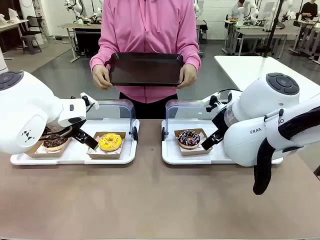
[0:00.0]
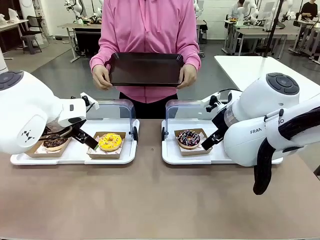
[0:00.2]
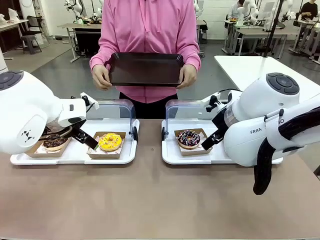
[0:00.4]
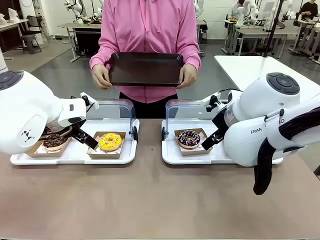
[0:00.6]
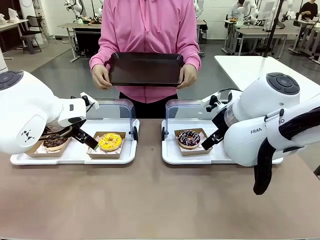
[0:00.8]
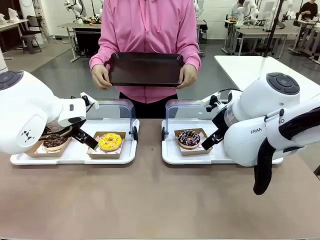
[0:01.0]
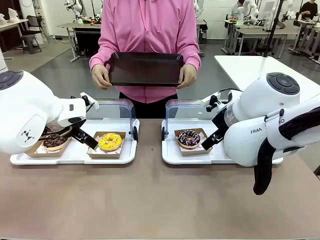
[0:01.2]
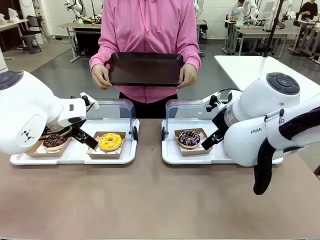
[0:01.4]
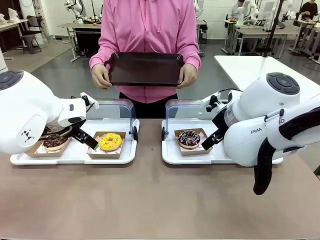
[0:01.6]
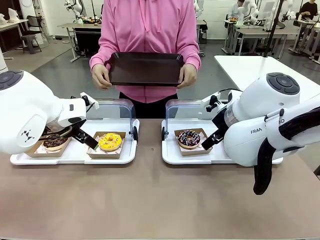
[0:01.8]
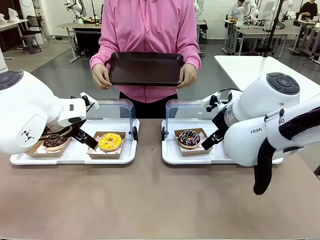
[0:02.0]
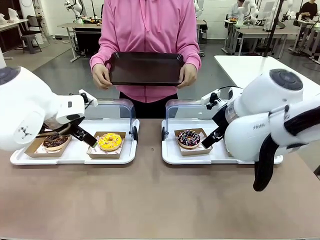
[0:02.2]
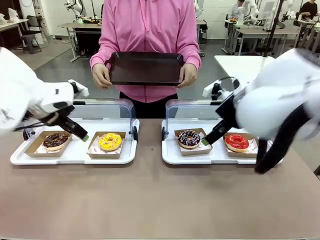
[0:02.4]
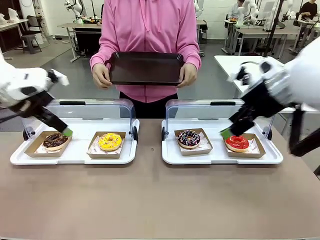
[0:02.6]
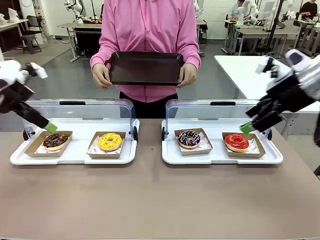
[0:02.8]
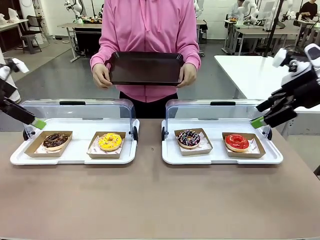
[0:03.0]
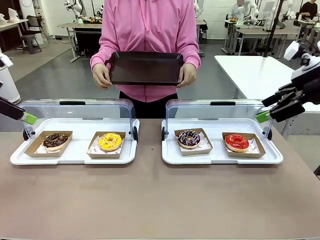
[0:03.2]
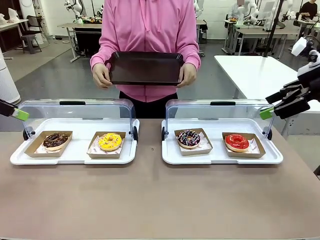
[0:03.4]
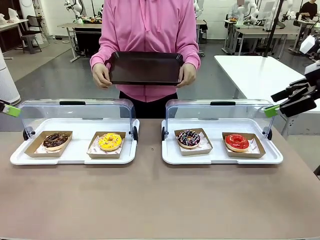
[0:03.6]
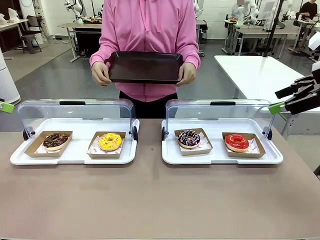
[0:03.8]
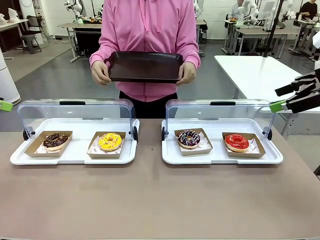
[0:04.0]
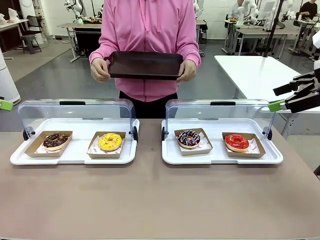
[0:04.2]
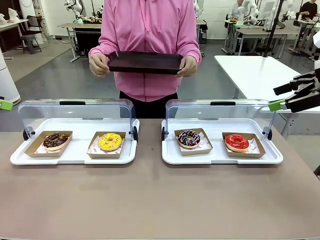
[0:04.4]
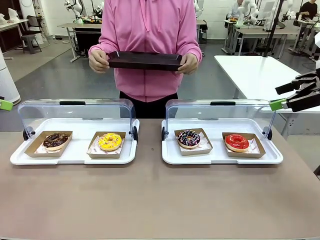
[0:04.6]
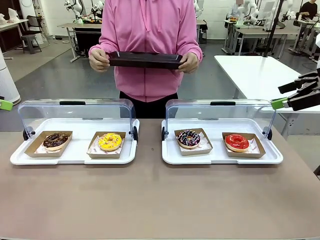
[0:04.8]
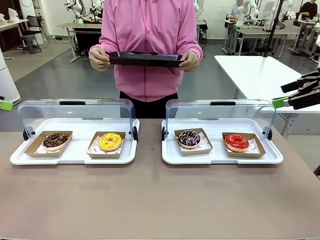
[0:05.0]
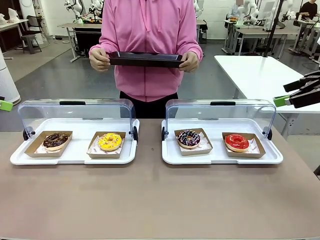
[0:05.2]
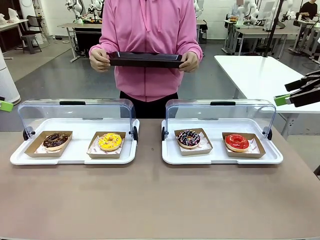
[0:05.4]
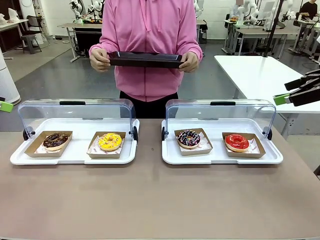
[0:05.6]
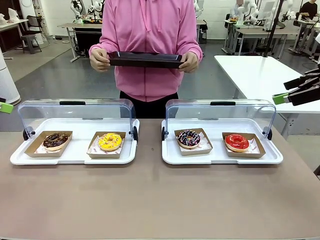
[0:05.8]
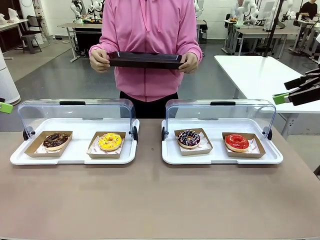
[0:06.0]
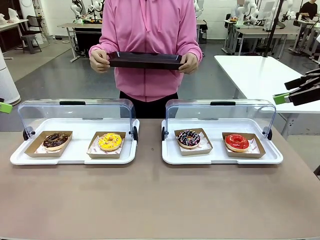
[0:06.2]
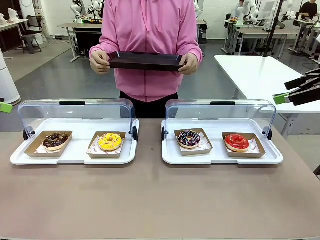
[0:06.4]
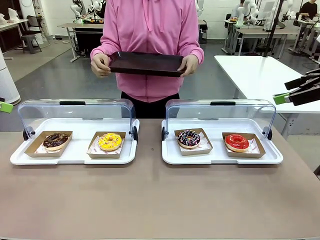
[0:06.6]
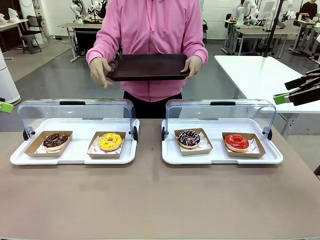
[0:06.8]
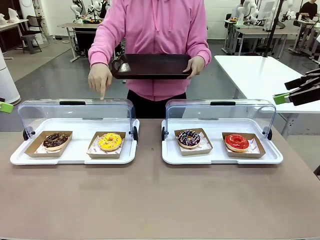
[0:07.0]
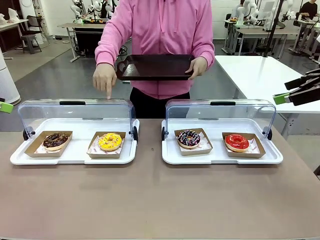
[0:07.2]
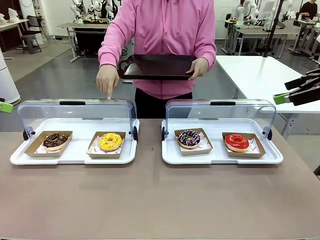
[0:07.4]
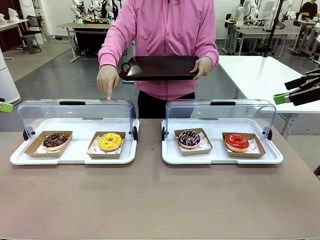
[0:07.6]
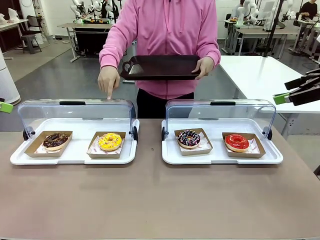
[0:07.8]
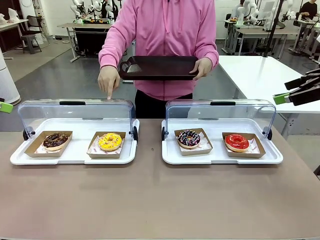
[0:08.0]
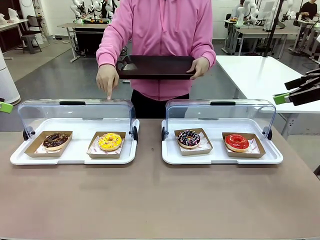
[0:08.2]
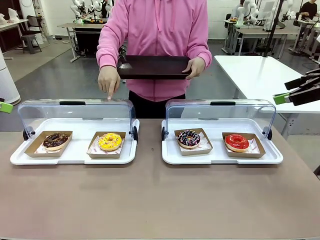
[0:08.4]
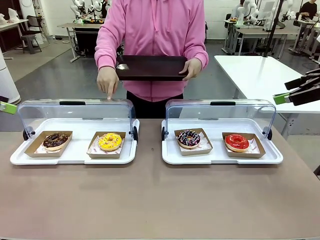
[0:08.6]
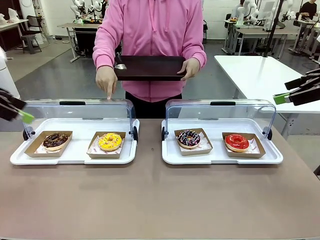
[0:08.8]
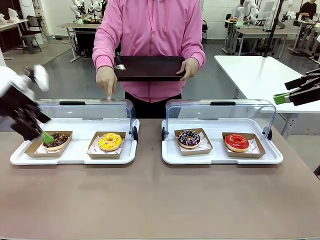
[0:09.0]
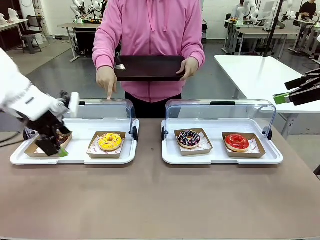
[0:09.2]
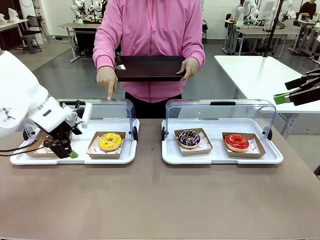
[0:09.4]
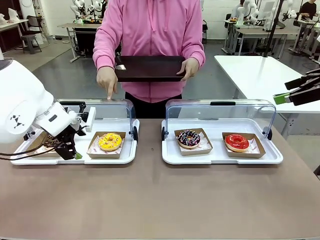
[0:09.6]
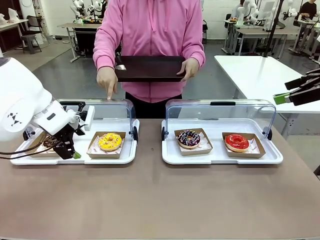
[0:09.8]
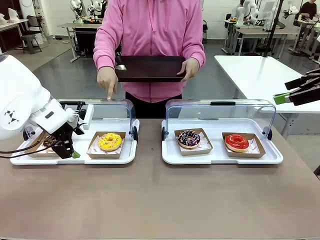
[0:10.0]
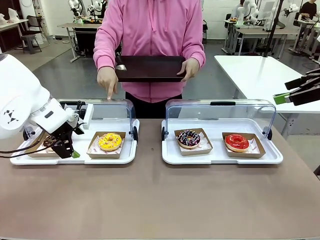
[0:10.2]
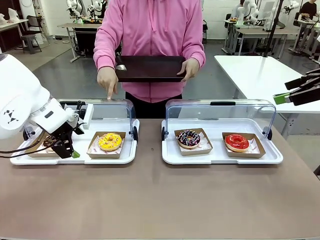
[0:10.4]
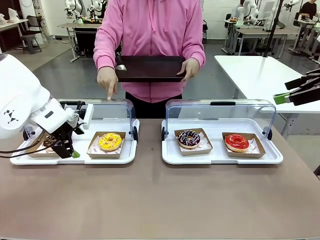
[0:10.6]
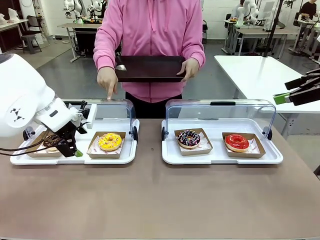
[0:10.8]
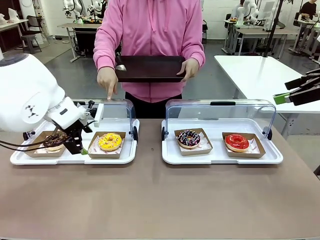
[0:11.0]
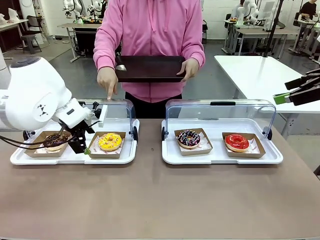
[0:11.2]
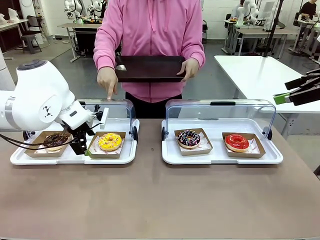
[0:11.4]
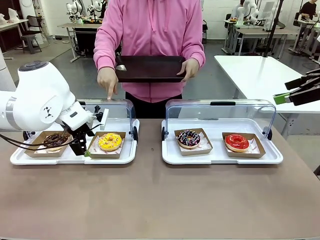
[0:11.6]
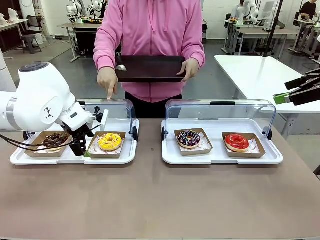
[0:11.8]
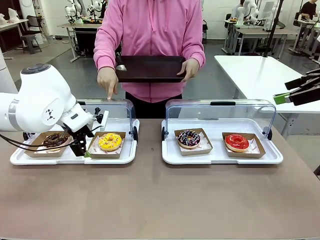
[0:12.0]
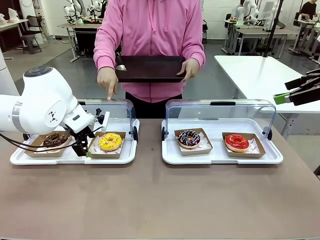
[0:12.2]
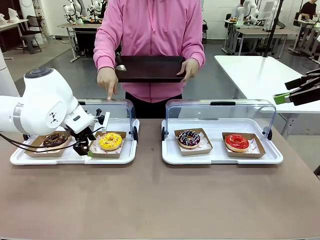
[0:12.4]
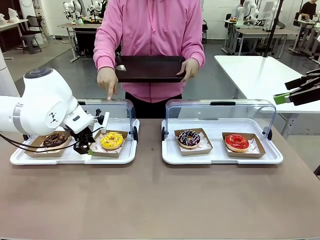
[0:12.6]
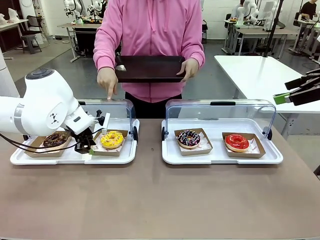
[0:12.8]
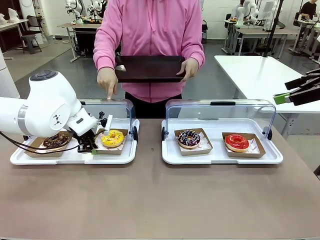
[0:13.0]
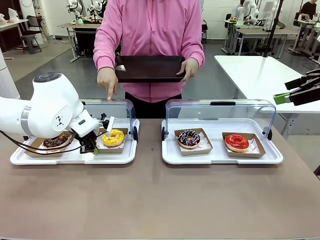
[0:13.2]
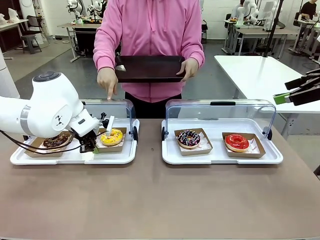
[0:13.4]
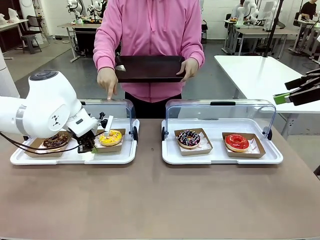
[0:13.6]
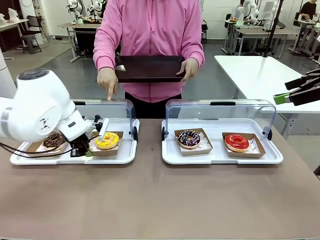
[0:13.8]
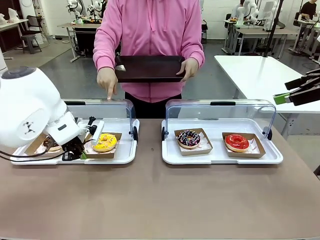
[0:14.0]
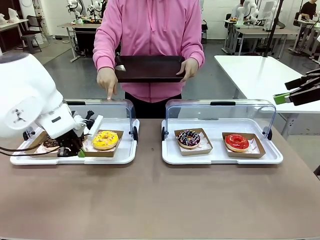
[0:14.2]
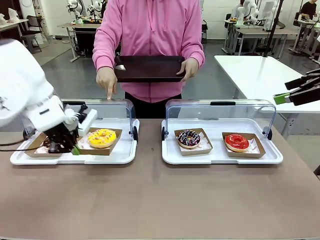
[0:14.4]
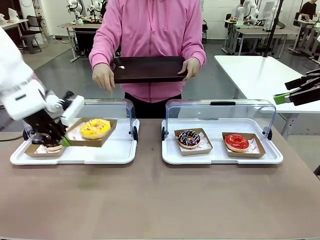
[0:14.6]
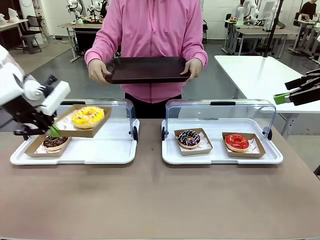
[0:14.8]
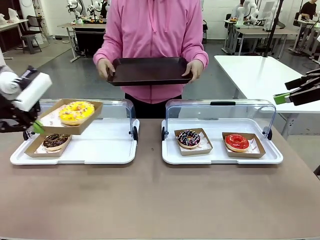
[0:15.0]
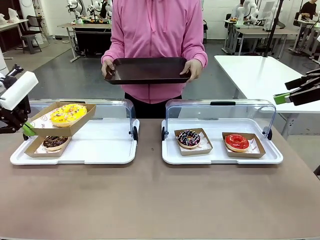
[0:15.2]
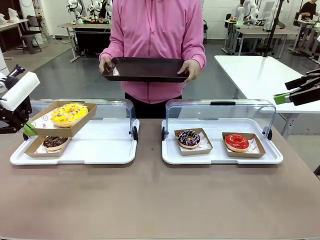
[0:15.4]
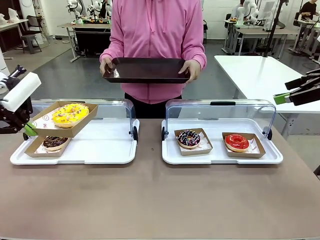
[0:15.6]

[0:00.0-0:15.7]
Task: Provide the desired donut to the person.
Robot: Pick up and lift the Paper togo box containing the Donut pointed at by the person.
Person: Point to one donut. Lift the tray onto the Roll-Top Bakery Case.

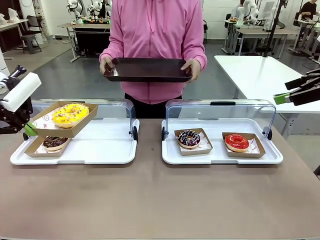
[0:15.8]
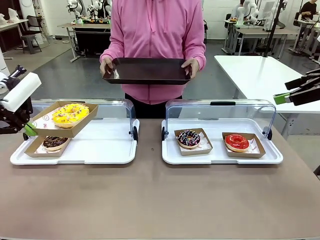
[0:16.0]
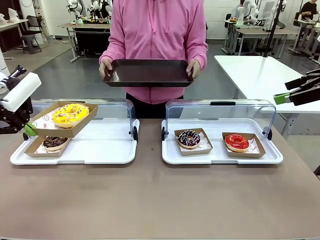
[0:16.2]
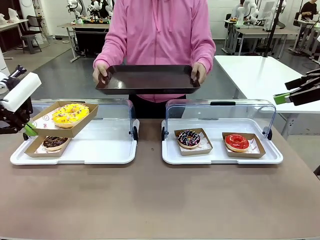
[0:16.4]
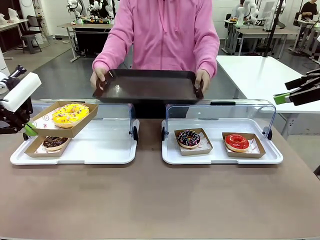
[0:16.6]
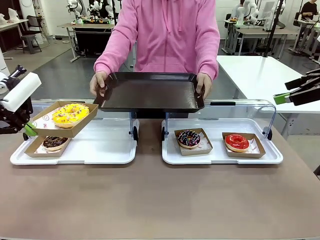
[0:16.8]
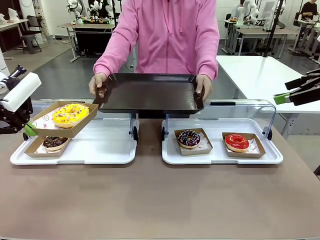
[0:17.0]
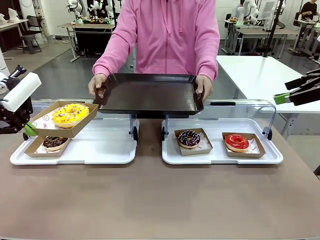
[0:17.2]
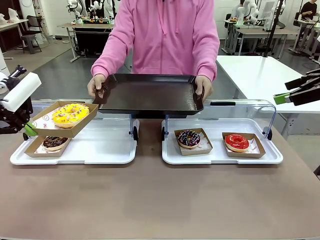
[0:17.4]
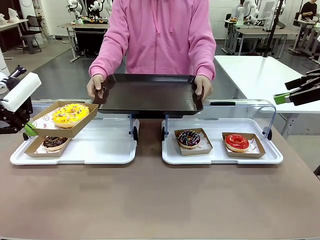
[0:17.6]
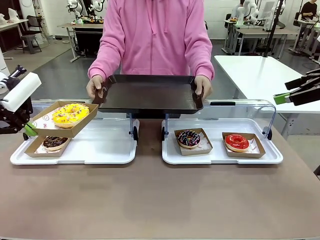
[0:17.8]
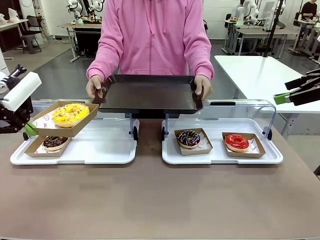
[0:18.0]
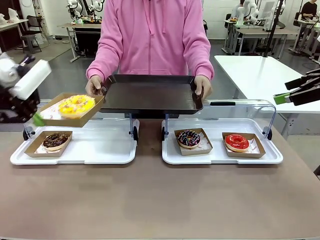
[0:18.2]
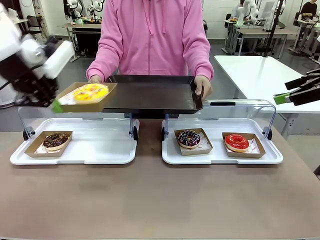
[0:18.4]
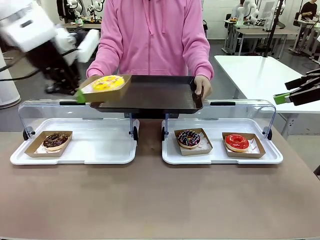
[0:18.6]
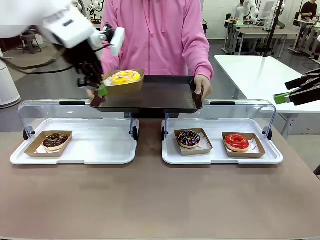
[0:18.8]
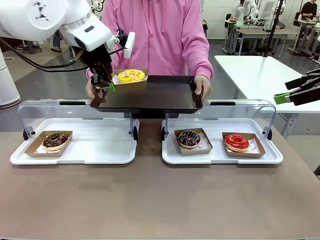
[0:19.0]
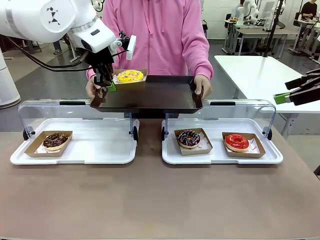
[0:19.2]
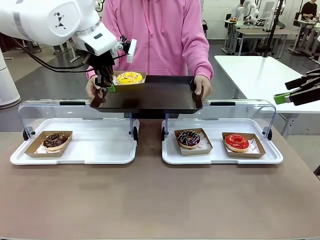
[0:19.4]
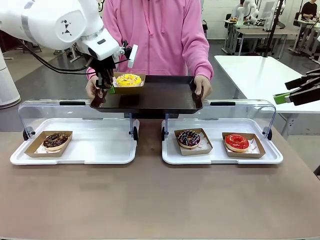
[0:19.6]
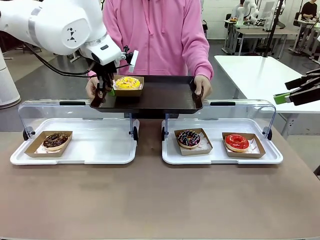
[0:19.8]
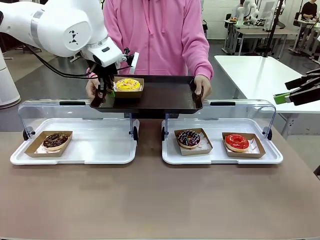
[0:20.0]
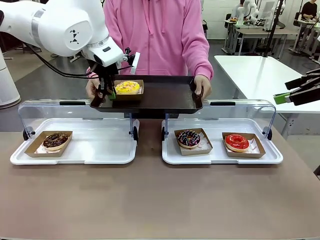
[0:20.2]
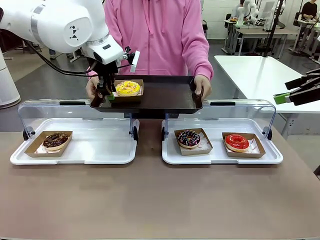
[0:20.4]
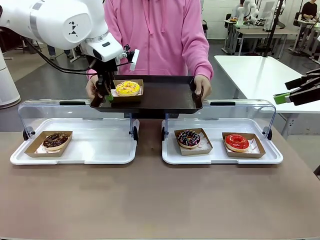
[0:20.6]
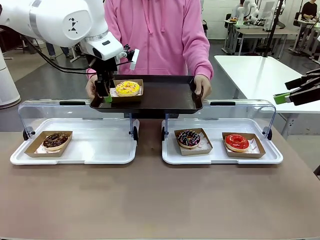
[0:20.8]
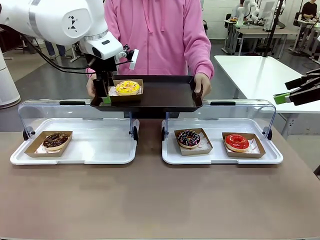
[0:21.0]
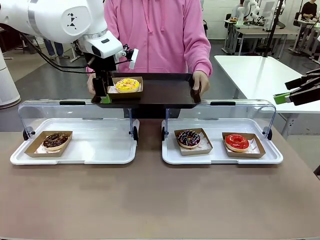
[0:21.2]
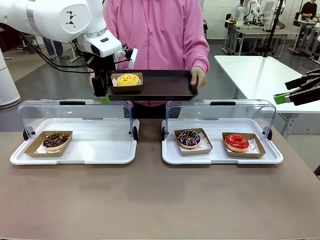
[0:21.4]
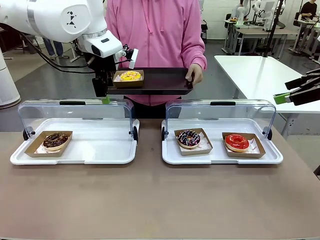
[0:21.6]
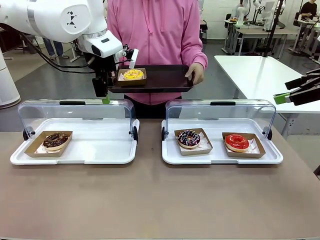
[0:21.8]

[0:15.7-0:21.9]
Robot: Place the picked Paper togo box onto the Handle tray extended by the person.
Person: Point to one donut.
